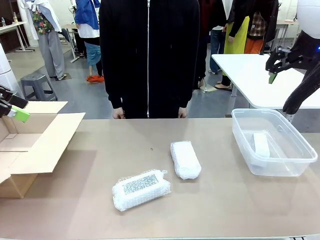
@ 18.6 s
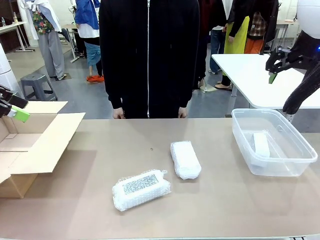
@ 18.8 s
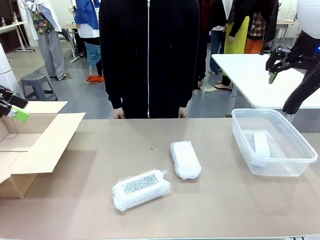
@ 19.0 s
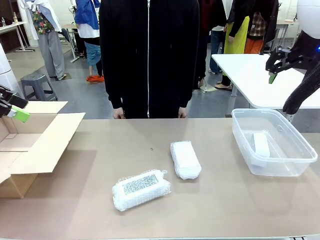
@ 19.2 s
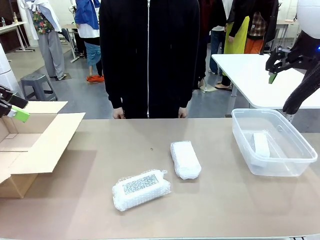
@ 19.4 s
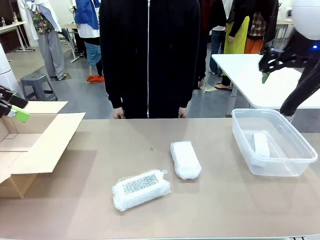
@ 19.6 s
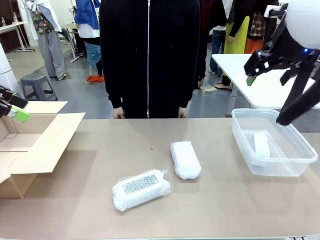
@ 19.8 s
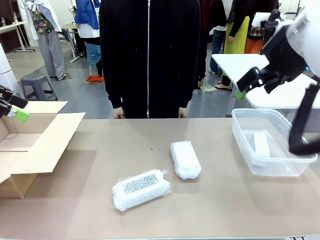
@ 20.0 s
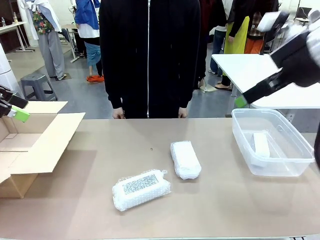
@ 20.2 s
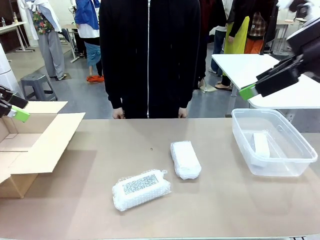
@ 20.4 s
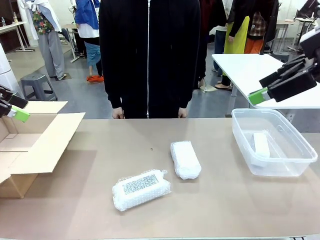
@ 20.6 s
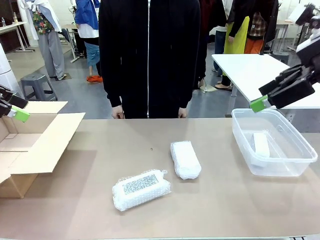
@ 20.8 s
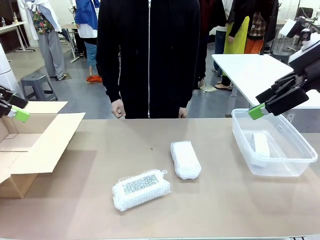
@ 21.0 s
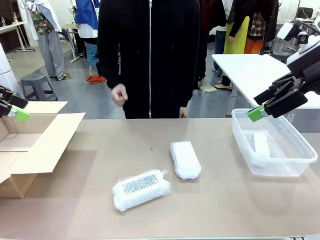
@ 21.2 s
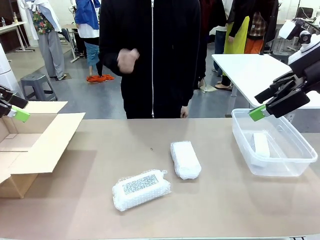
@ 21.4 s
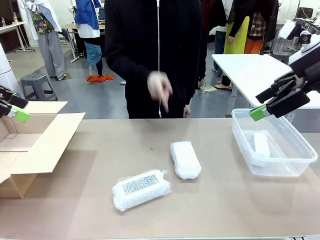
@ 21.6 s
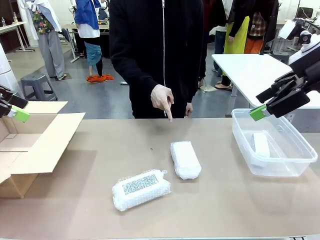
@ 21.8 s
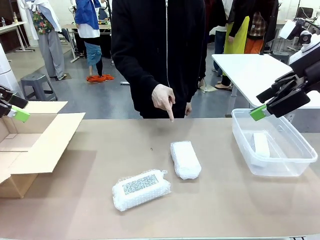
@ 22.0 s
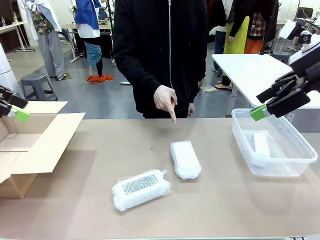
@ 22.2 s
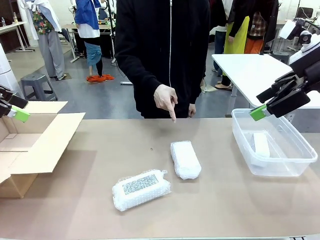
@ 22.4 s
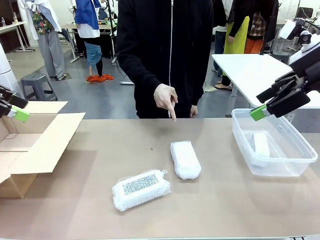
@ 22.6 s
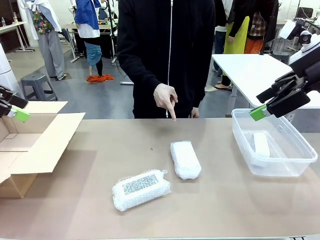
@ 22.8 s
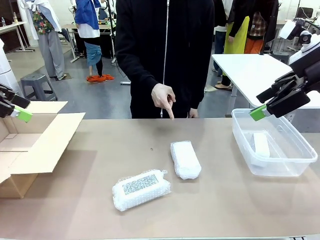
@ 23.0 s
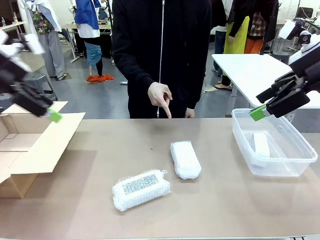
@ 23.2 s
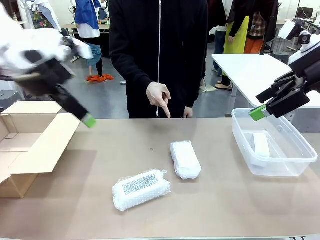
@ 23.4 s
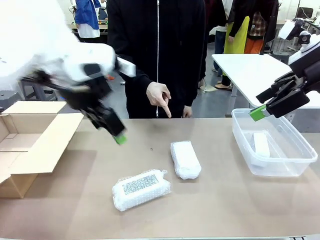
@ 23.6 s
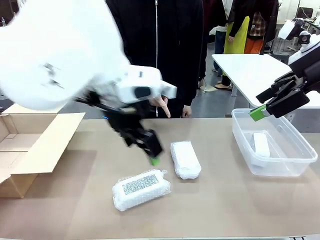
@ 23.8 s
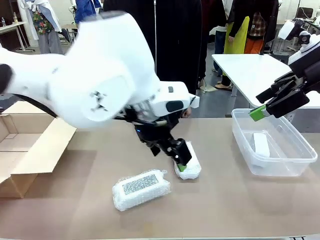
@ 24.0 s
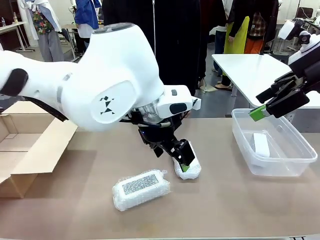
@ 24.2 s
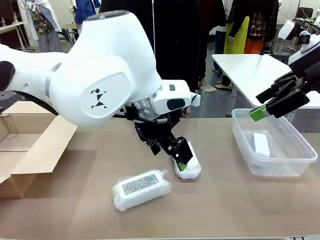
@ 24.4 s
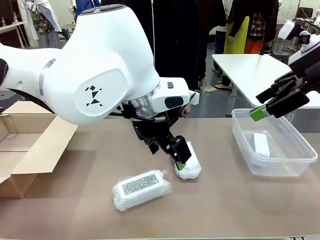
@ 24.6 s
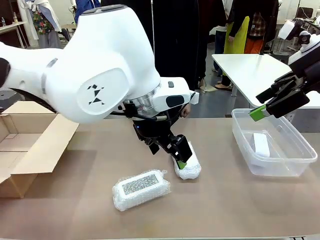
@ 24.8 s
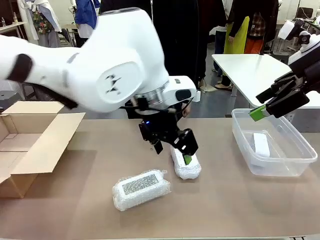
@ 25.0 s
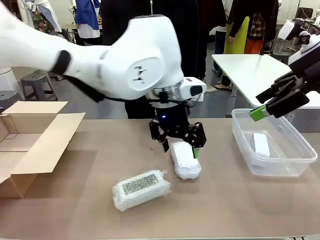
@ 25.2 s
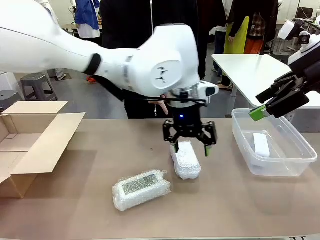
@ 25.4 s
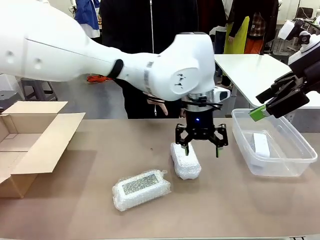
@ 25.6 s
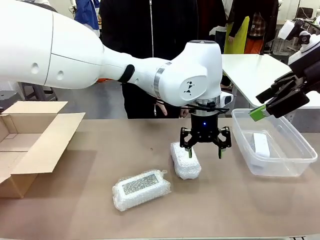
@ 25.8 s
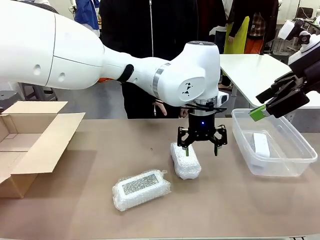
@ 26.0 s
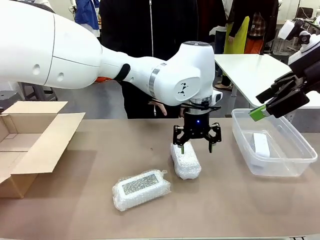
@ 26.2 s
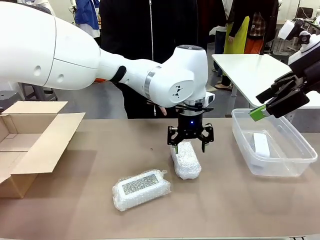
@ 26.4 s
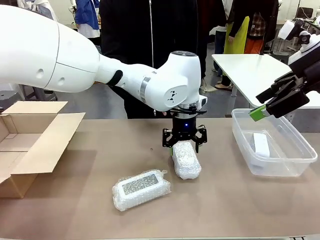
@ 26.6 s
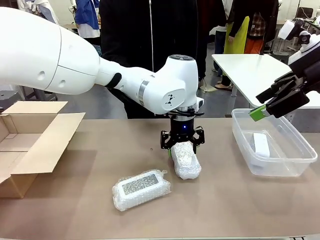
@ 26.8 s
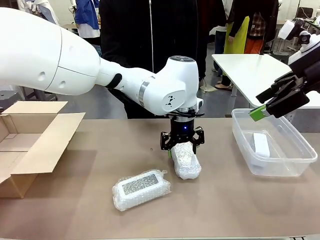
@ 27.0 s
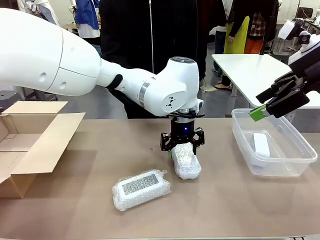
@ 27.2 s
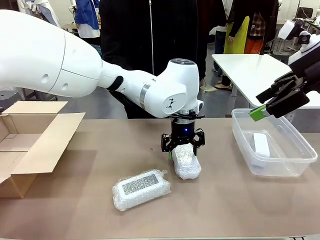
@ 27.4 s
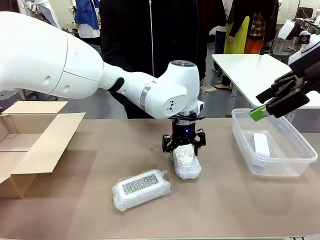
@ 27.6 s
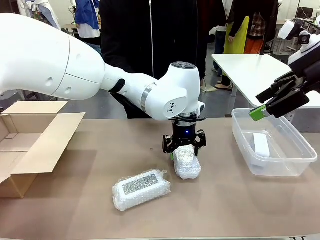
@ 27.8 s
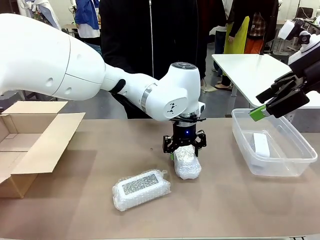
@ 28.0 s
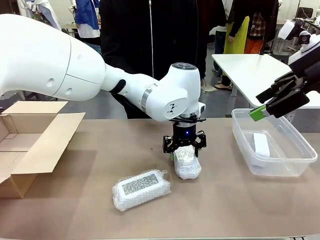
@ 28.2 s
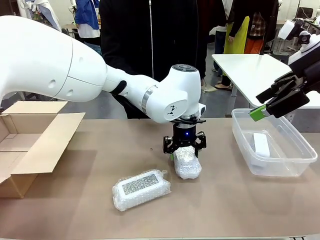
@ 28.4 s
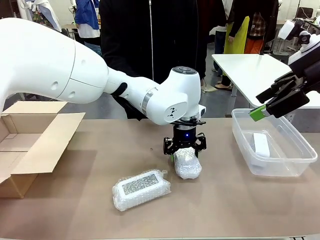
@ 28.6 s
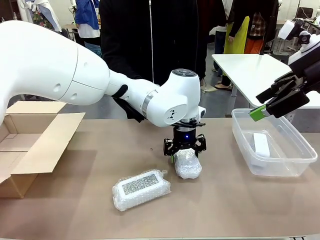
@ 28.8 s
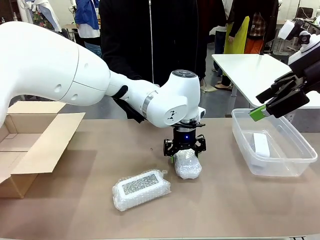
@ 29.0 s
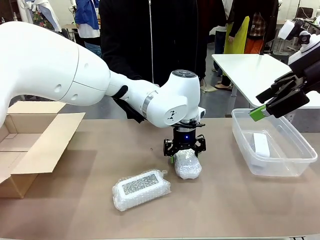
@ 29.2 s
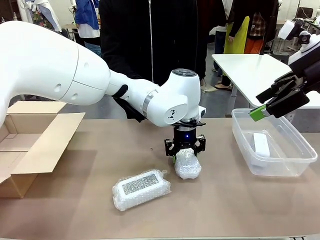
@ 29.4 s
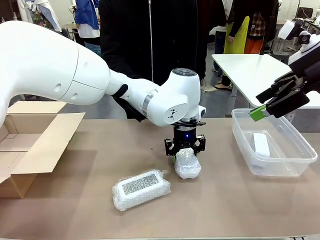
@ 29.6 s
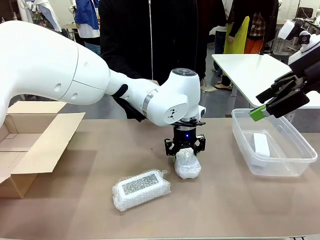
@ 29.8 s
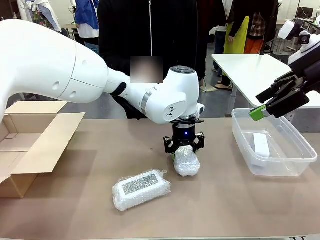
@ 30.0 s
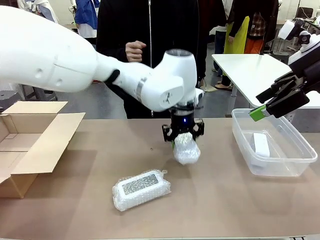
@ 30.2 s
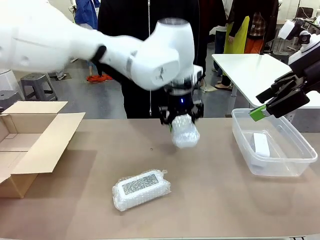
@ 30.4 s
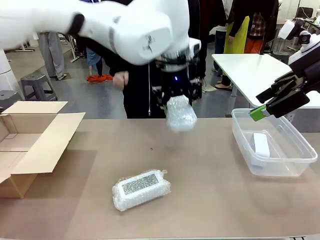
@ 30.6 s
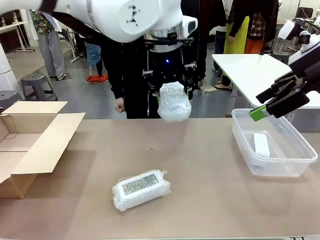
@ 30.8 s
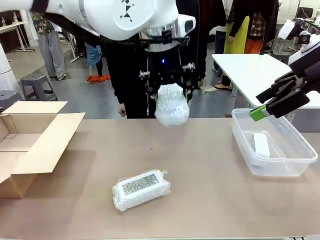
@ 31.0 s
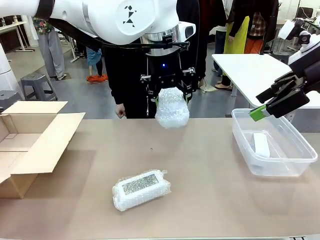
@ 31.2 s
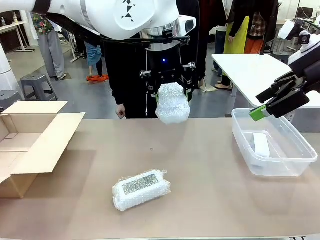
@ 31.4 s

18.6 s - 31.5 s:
Task: Separate and place wrapped and unwrapped clocks.
Robot: Pick up the Digital clock indicated by the person.

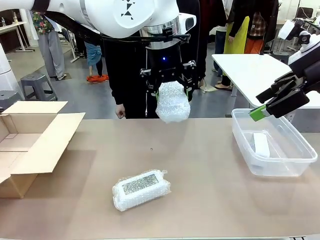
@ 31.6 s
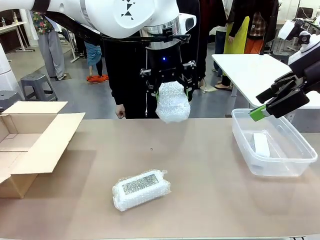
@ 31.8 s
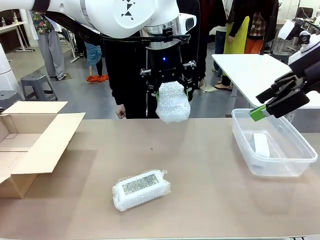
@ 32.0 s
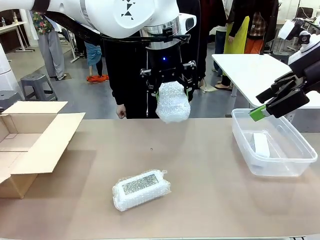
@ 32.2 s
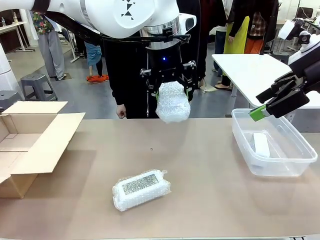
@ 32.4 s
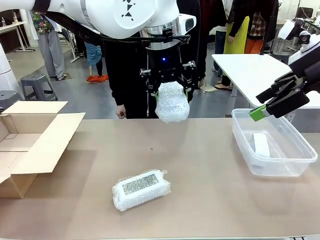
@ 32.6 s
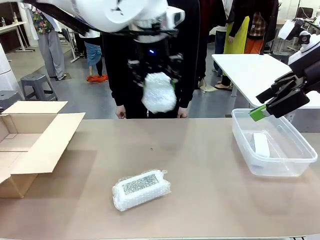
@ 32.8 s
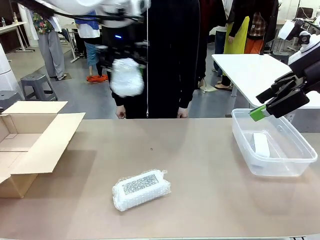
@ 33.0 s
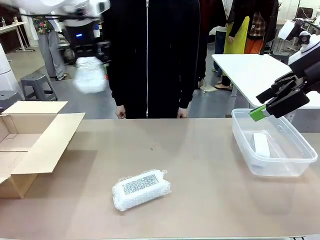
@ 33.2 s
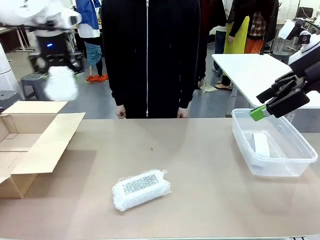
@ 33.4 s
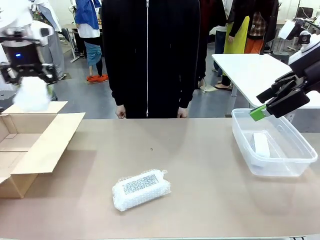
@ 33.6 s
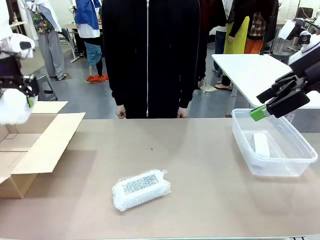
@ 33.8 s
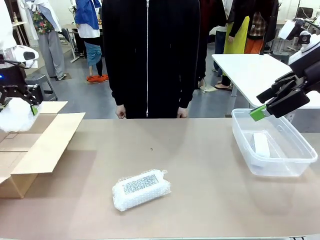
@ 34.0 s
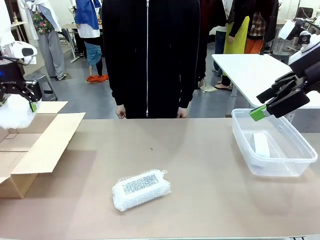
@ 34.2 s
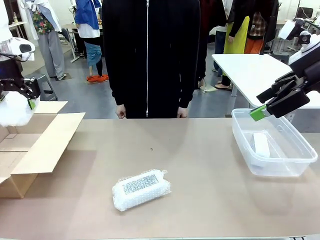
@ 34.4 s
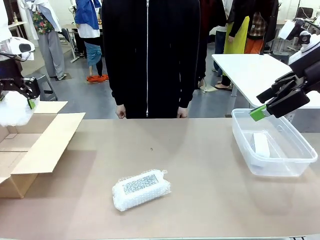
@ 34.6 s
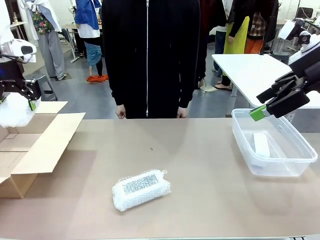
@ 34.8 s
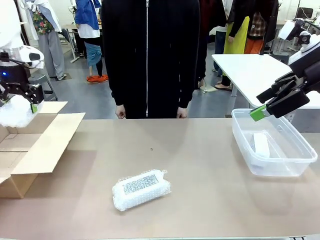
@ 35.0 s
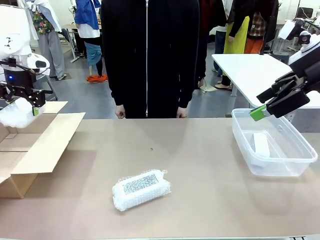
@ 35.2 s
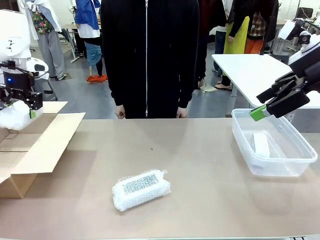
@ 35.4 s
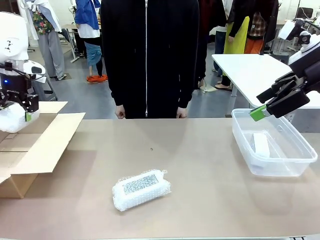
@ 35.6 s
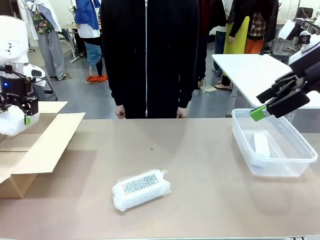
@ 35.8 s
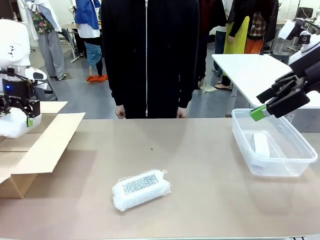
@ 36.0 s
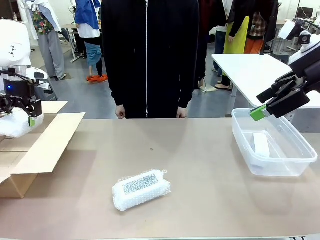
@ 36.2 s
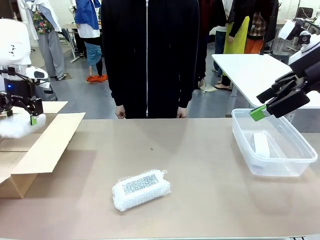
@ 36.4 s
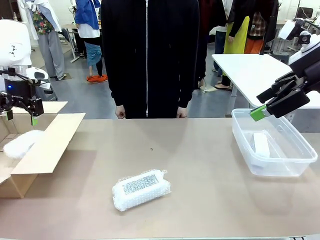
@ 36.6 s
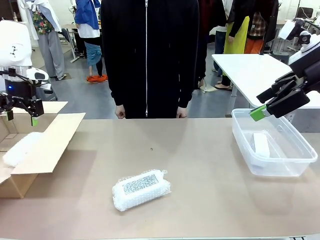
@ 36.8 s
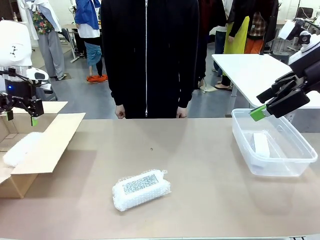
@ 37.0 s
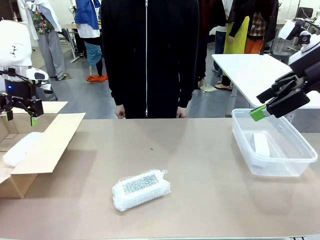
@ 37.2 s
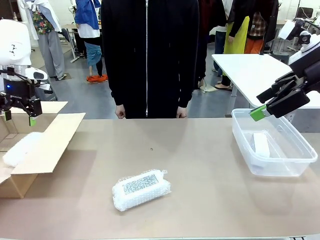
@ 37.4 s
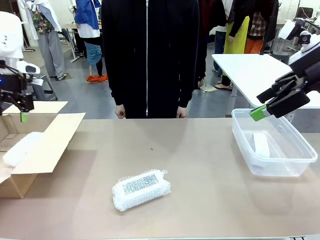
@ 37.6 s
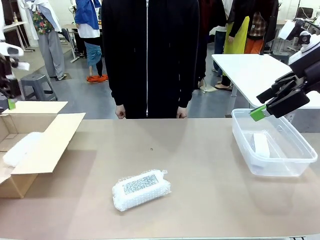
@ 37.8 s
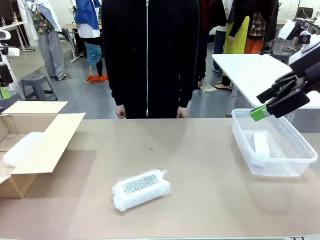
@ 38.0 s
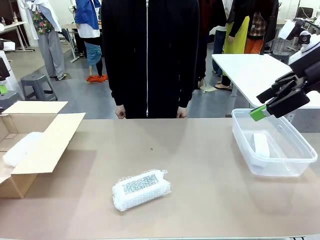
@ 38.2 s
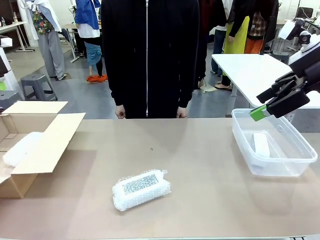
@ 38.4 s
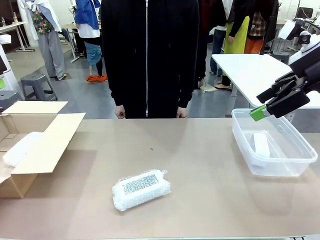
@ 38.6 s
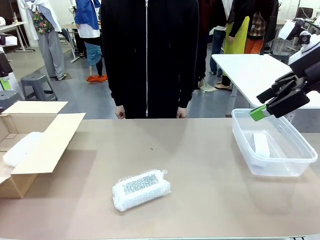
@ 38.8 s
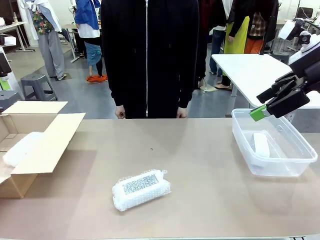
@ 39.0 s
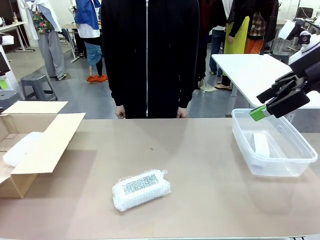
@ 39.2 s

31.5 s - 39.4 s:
Robot: If the picked Digital clock is wrapped, place it in the Package Box ; if not, place it in the Organizing box.
